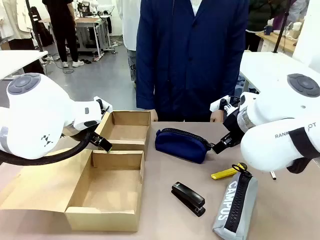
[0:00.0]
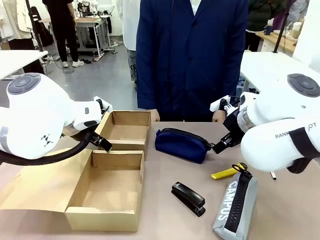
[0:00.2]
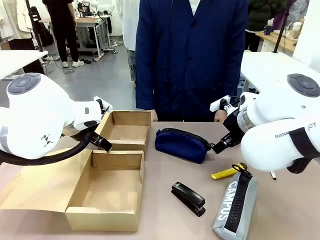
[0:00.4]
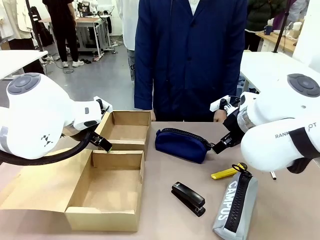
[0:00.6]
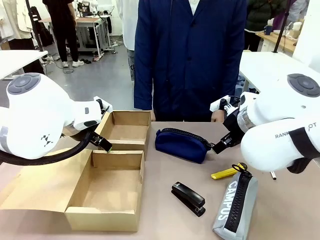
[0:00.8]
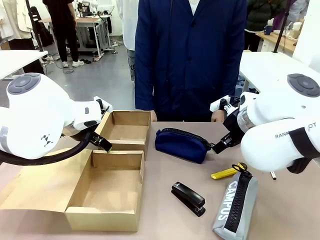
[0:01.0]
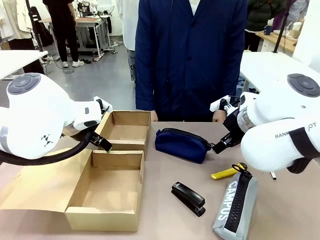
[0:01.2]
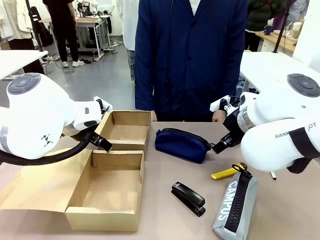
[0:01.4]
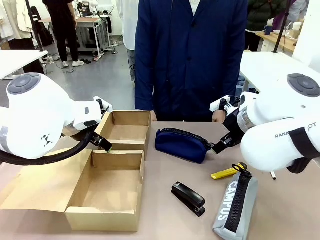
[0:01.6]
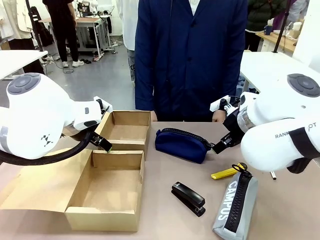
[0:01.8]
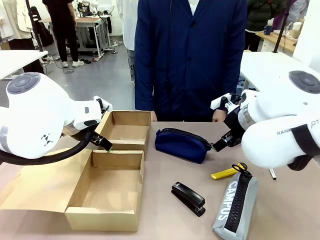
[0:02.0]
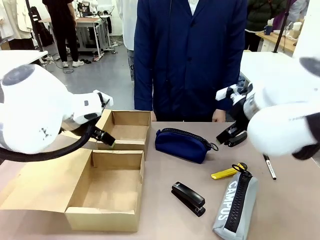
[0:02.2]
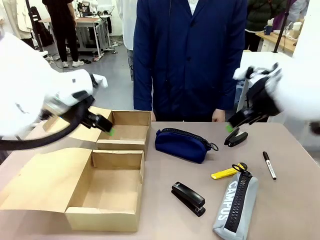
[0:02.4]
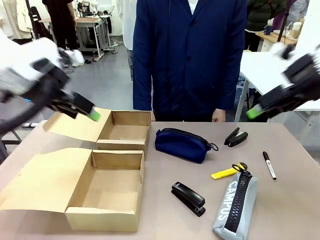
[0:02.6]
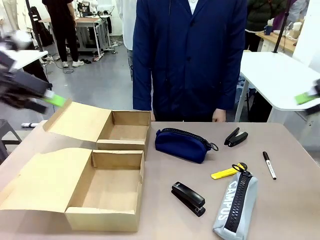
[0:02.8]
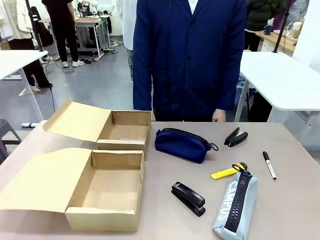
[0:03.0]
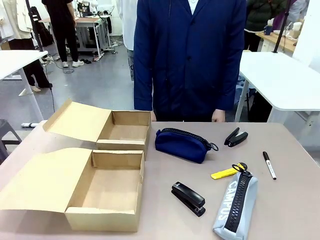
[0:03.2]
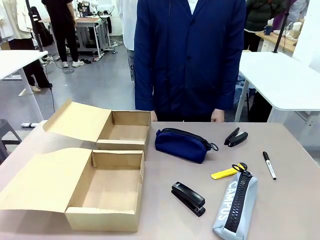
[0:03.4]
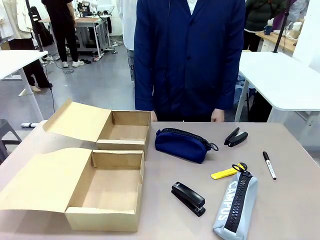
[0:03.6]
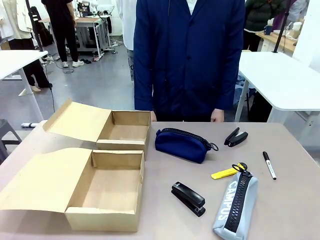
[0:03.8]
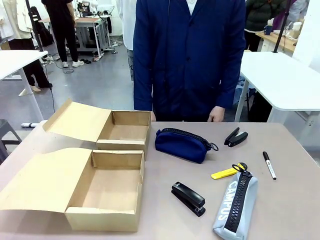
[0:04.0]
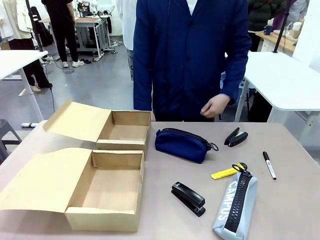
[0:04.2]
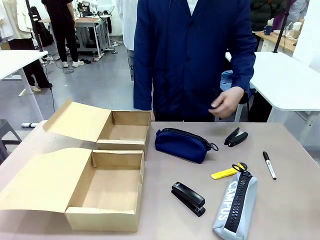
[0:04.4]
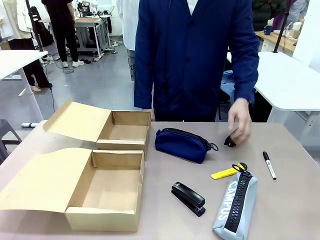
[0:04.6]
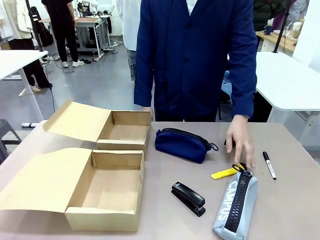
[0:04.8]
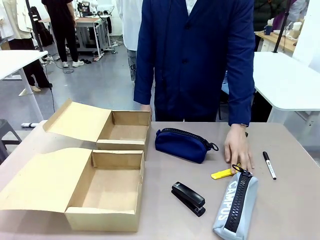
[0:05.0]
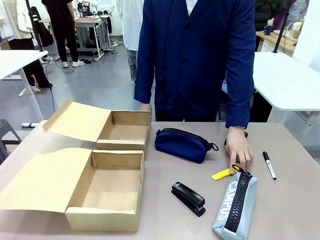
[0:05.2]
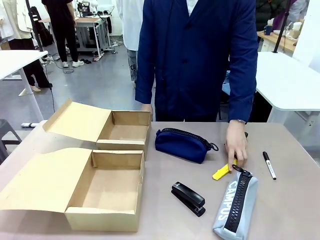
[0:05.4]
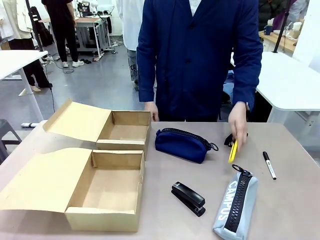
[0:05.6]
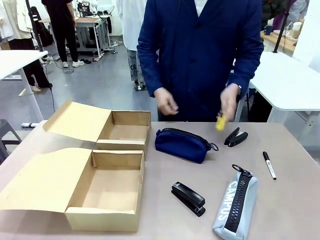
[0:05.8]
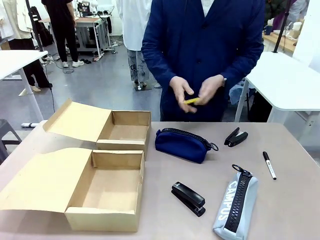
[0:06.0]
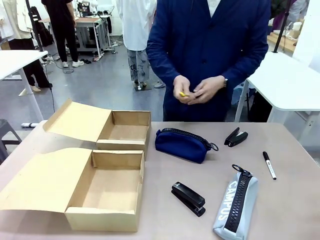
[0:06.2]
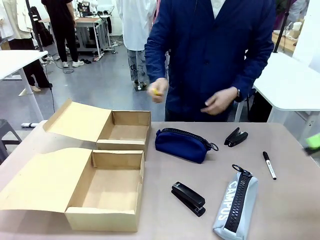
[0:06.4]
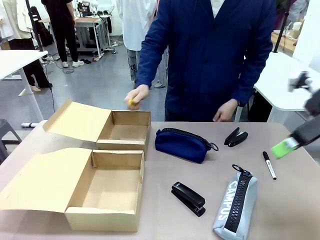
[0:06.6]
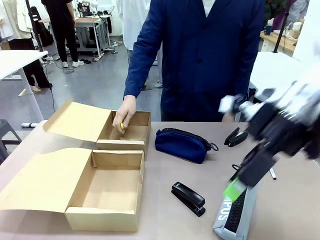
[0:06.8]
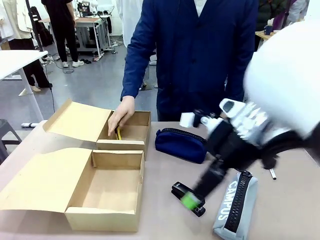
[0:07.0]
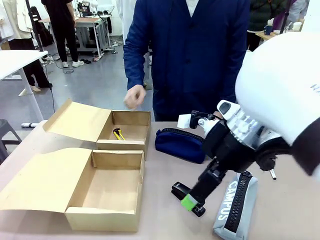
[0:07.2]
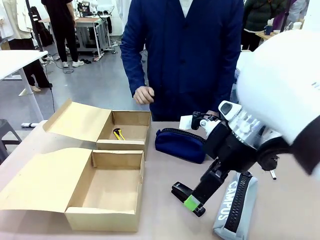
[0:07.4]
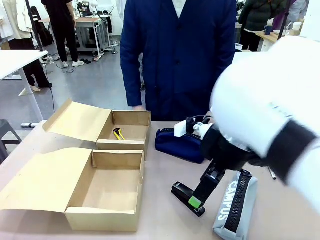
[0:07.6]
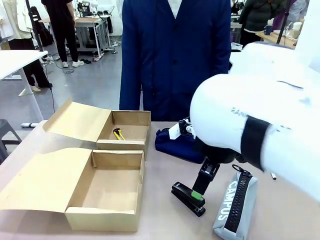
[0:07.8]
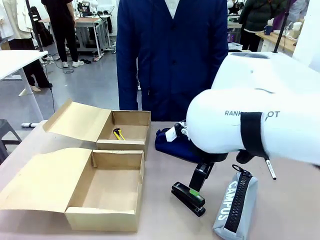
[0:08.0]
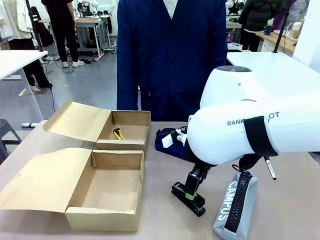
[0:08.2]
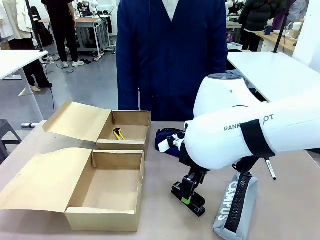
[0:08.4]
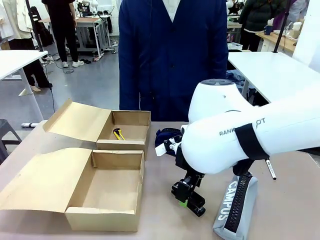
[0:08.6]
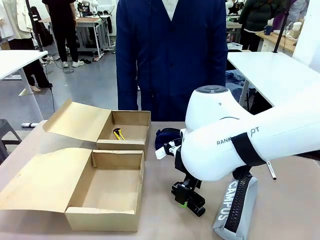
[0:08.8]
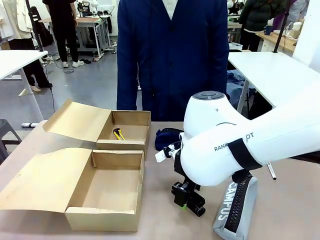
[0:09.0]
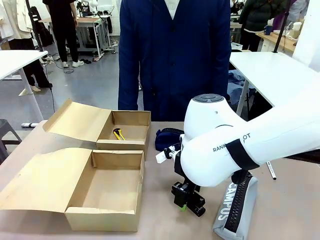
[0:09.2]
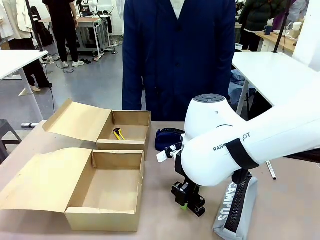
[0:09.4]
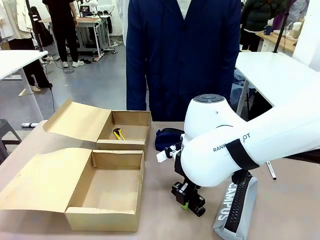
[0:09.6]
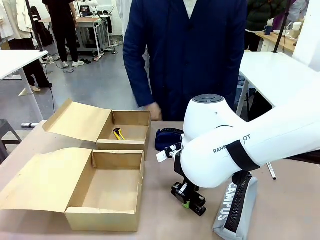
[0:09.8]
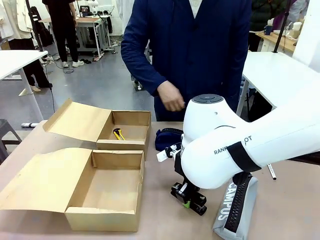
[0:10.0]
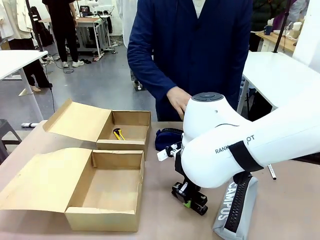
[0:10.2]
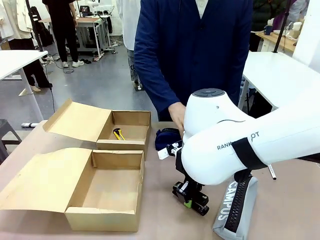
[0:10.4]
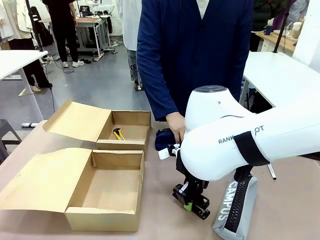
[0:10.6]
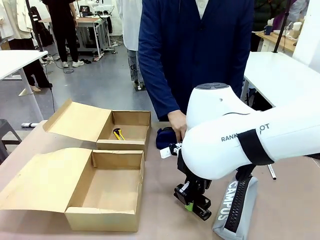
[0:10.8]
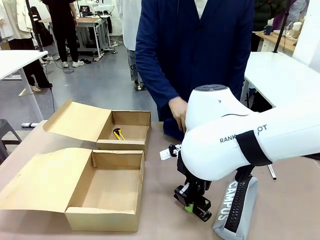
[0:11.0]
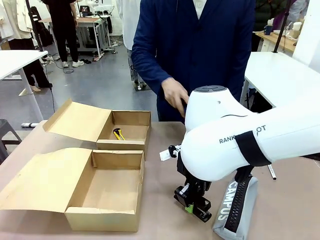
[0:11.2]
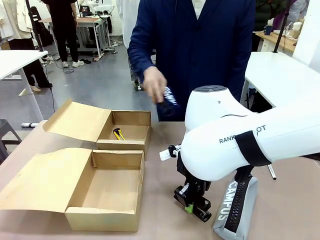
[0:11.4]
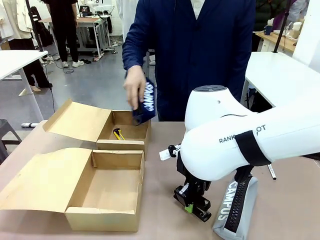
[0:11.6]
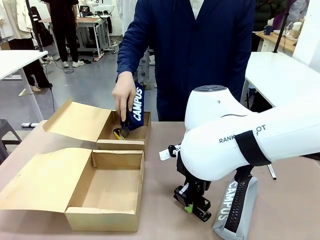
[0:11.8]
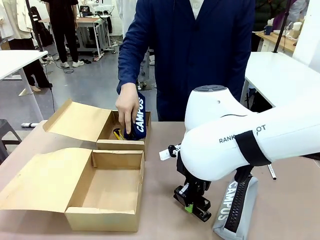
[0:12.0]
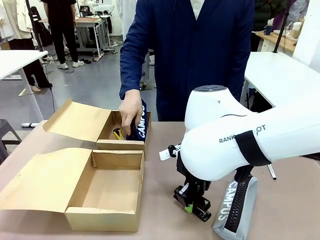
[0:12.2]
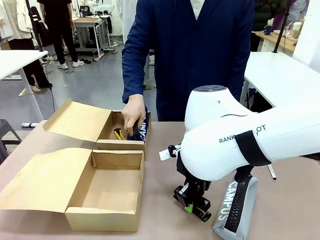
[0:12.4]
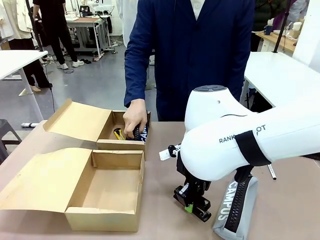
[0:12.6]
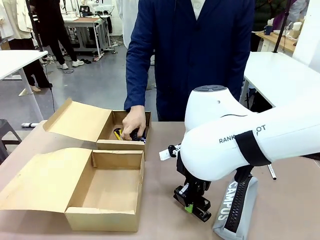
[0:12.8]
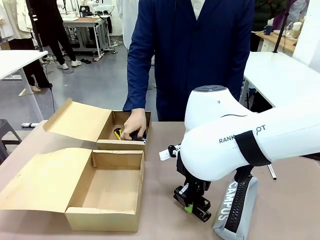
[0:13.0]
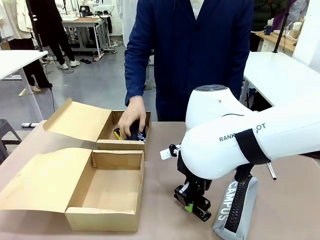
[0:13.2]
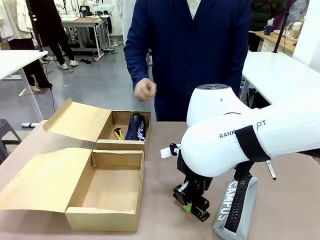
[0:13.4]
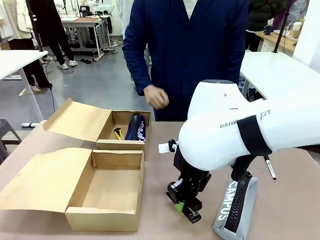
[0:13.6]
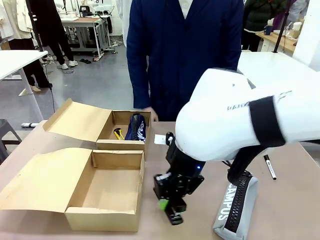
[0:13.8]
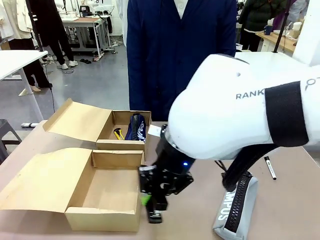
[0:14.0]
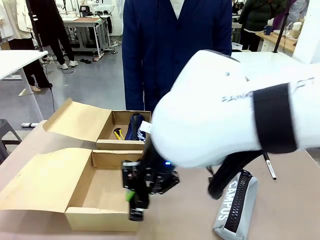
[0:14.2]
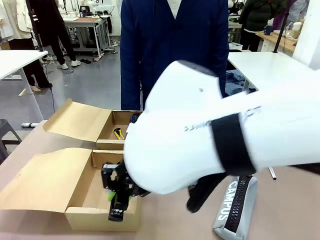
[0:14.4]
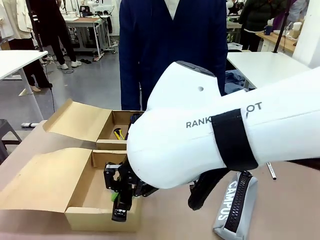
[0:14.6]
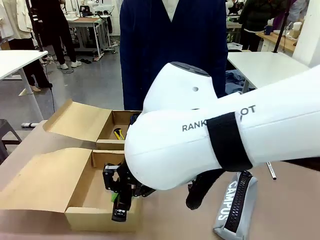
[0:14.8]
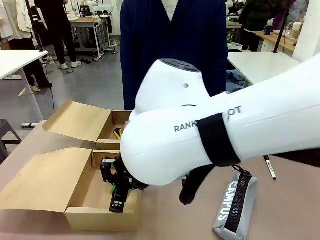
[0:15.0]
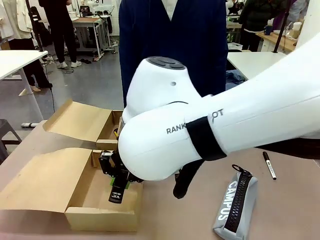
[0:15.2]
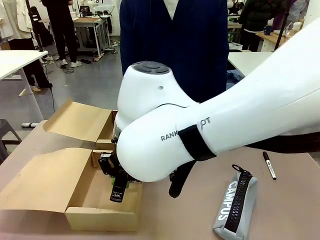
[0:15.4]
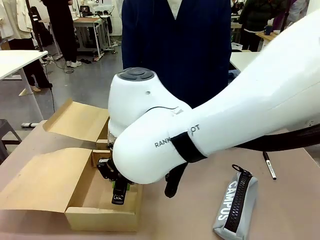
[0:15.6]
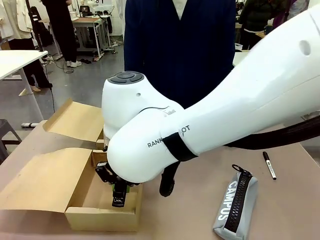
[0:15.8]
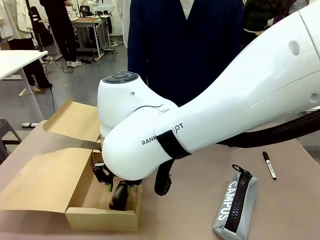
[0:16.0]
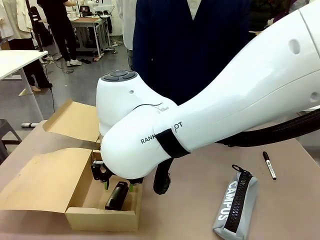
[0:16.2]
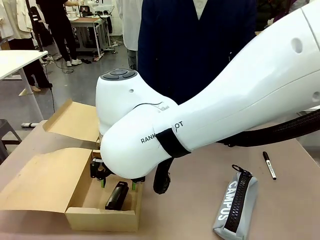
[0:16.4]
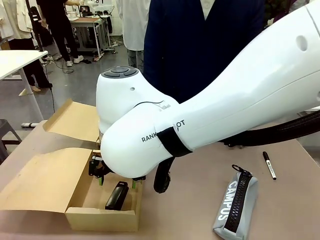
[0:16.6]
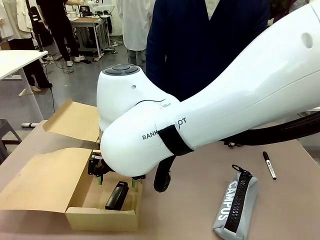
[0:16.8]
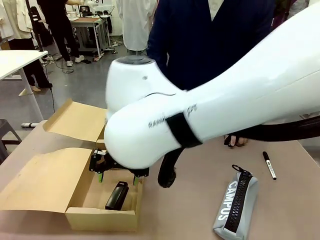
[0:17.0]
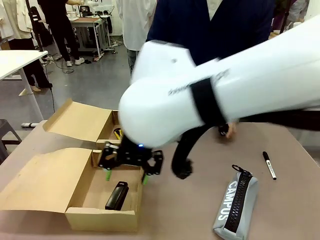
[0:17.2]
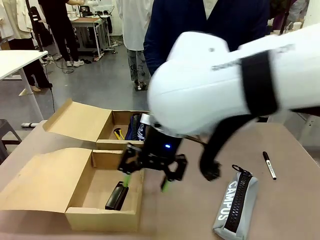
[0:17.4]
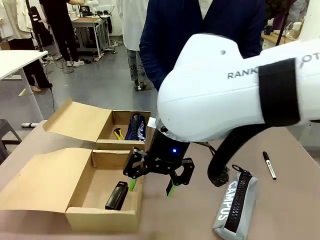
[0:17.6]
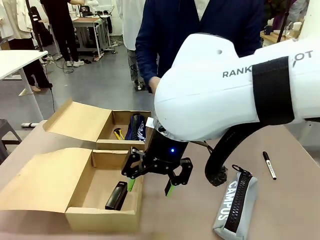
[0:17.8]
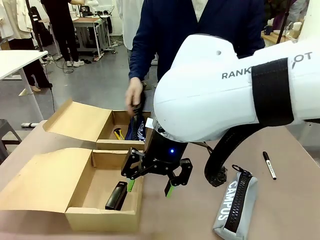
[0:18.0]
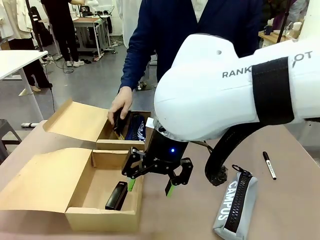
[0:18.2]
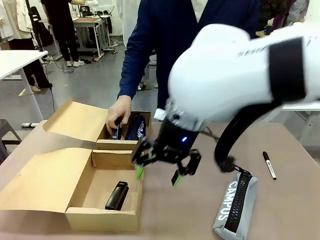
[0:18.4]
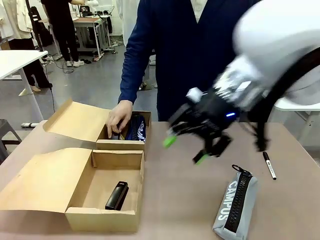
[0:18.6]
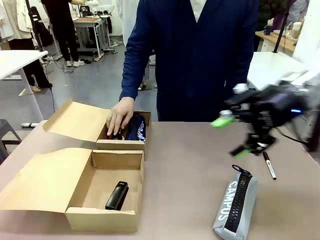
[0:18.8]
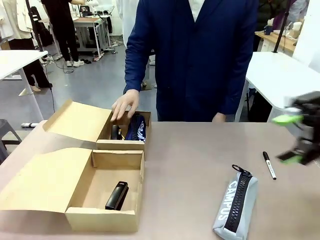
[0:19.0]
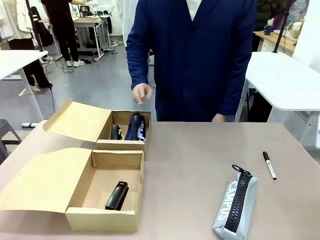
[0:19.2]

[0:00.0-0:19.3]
Task: Place items inside the box.
Robot: Pick up a Pencil pouch or Stapler and place it inside the Mailer Box closest to the robot.
Person: Pick up an object on the table and put it in the box.
